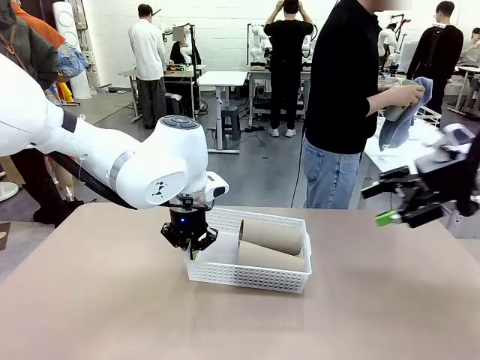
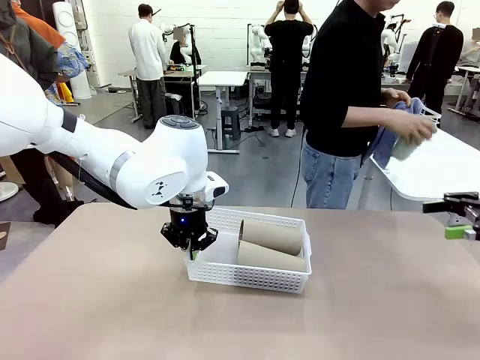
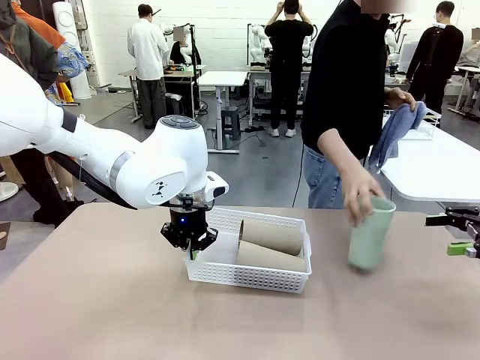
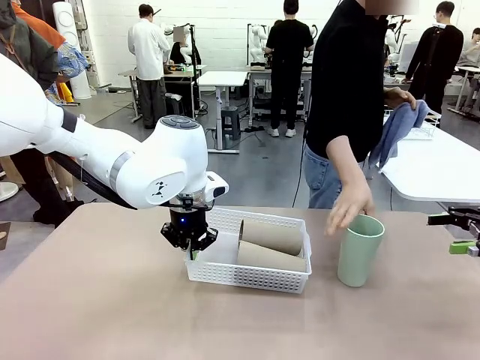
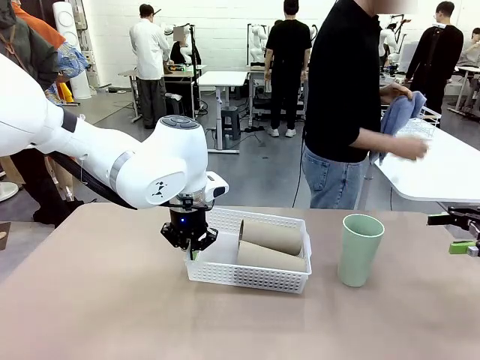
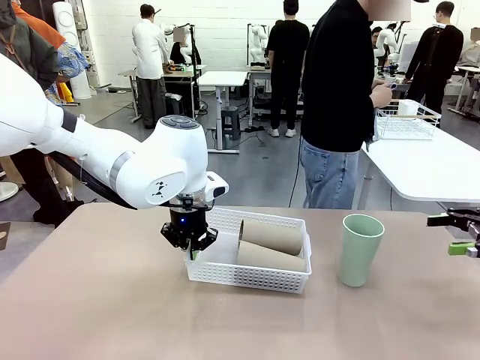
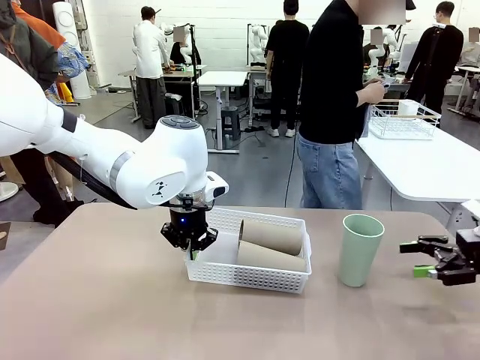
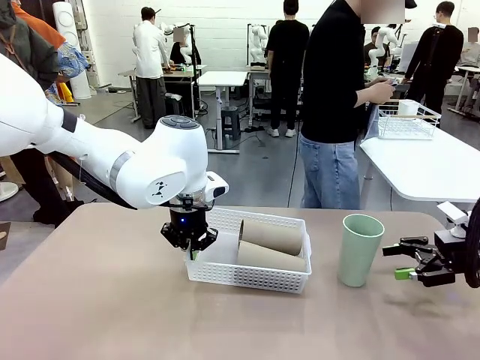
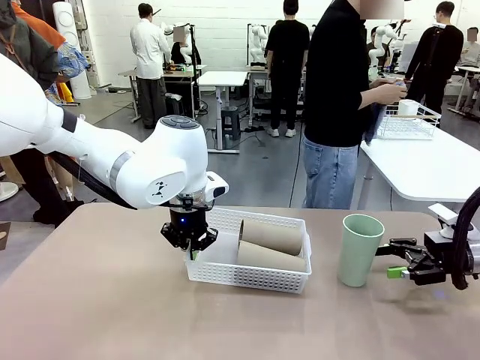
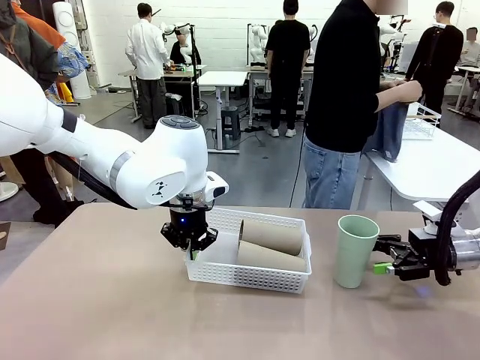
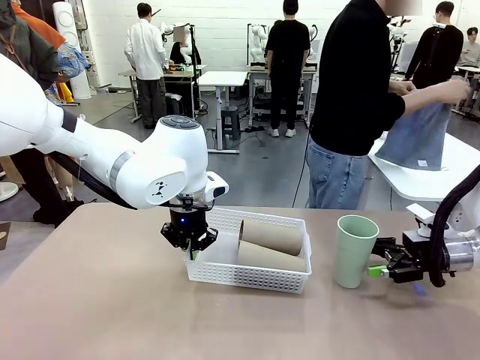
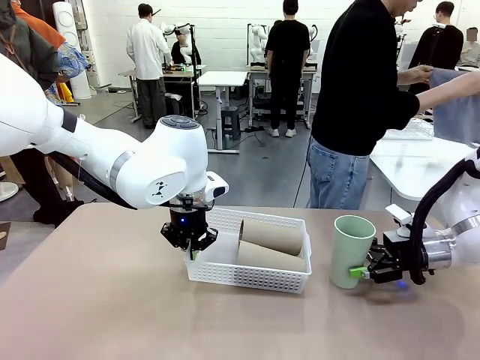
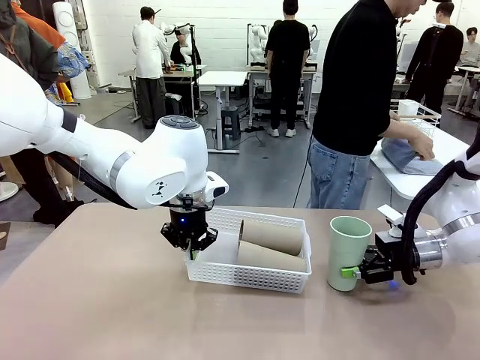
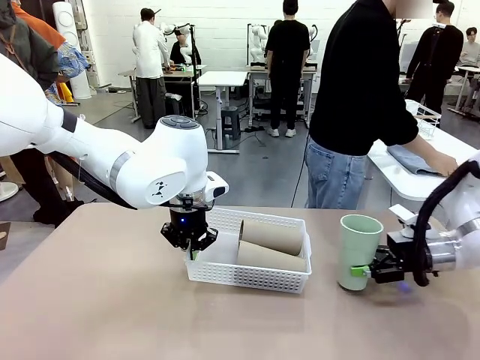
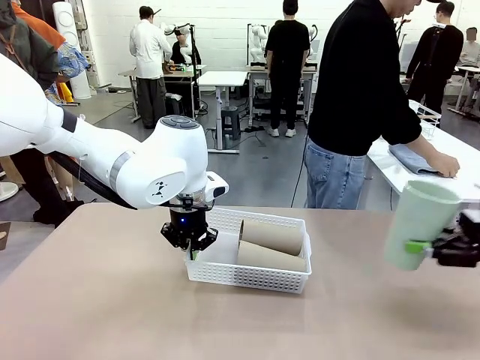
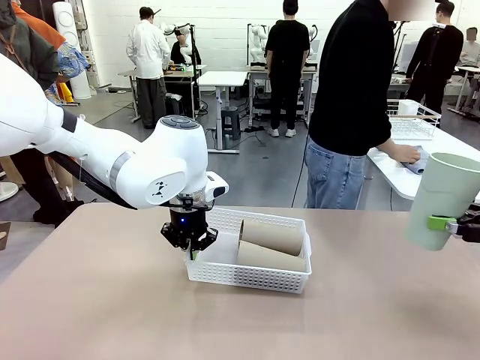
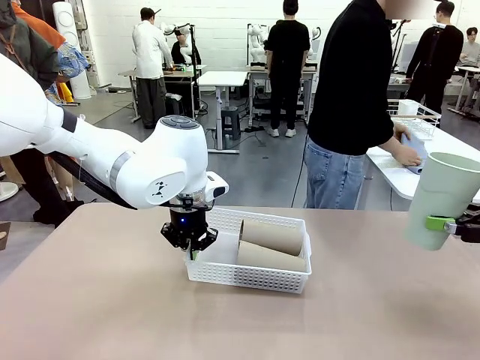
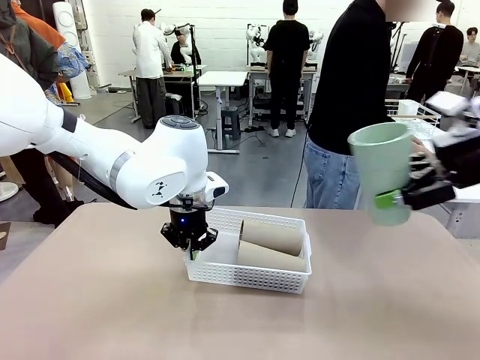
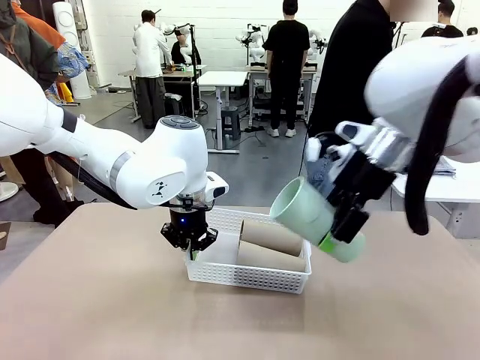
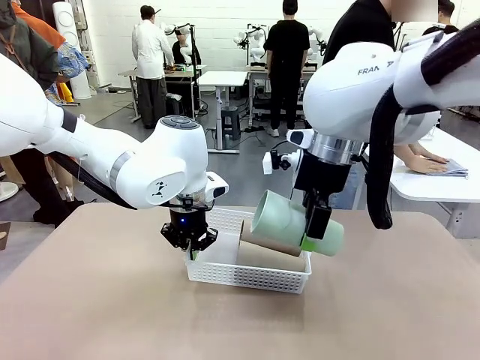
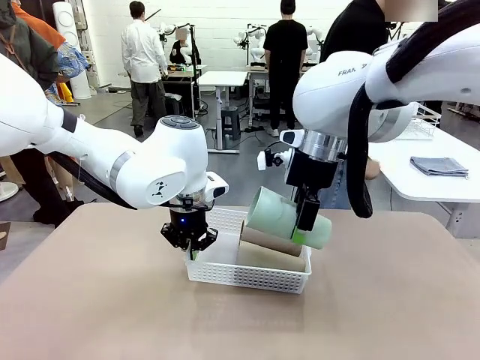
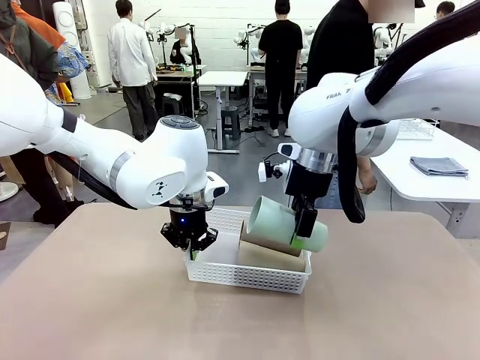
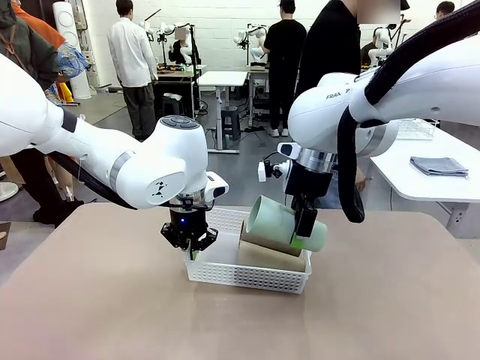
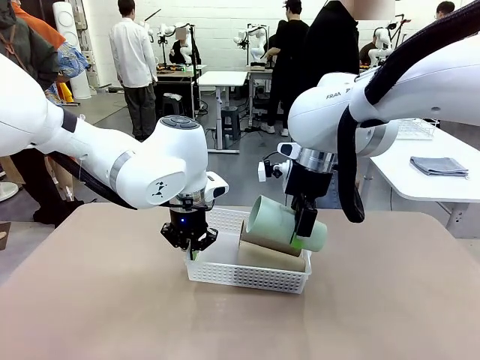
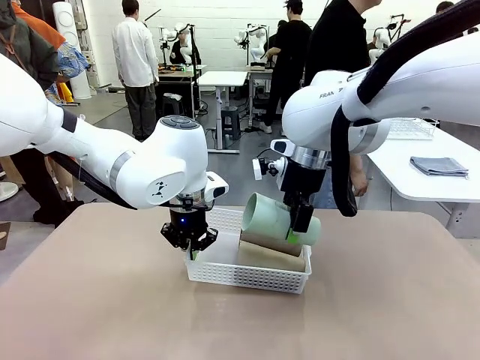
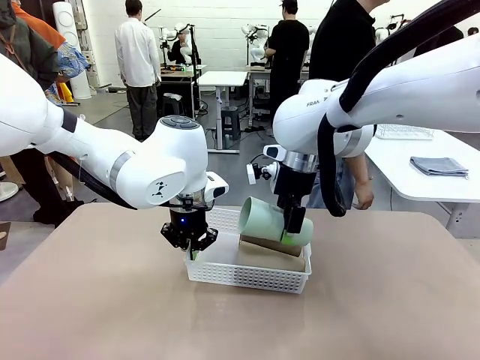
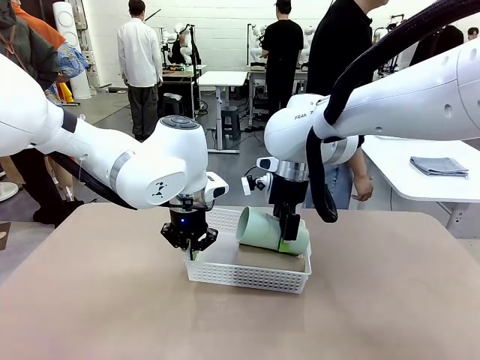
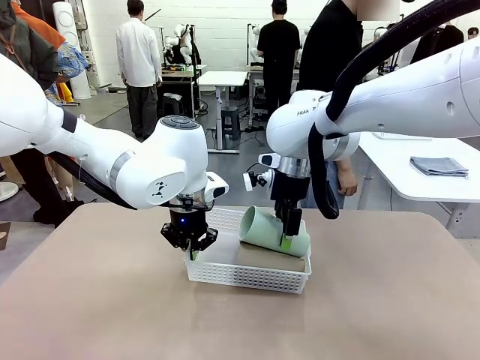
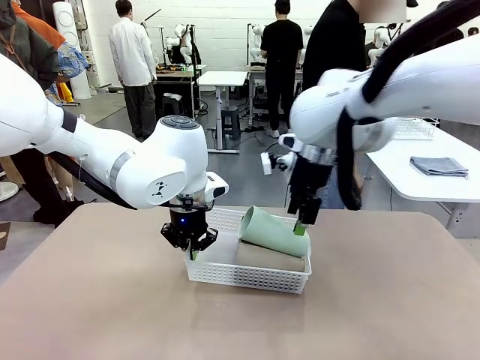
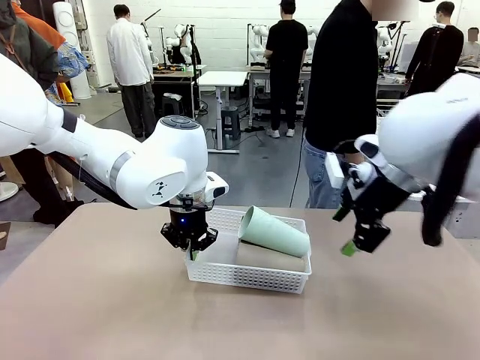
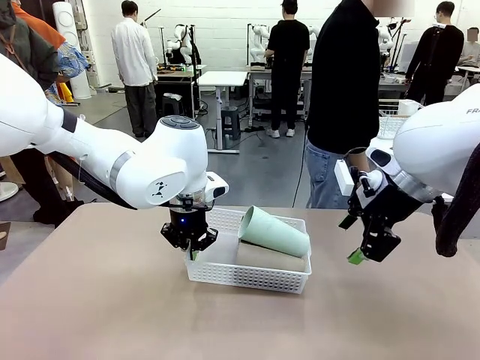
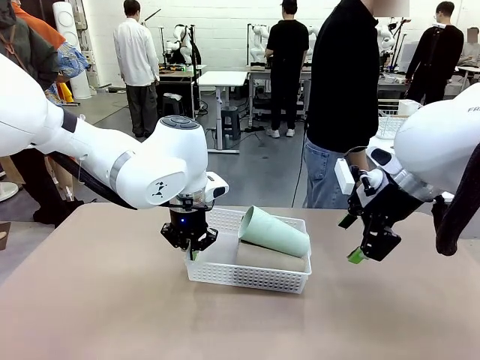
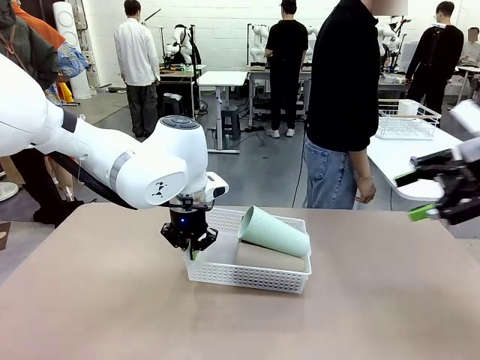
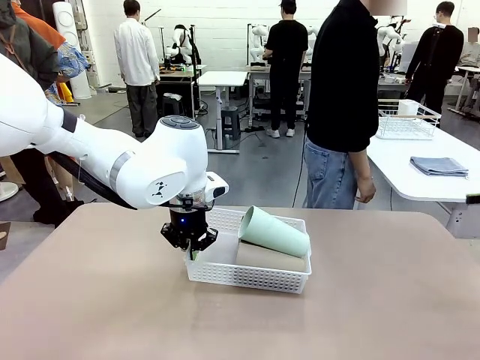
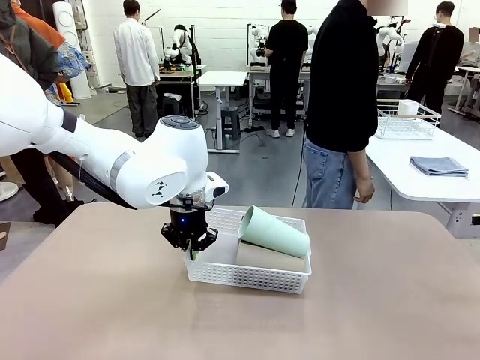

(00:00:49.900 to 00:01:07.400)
Task: Clean and organize the cups into the basket.
Robot: Pick up the Reusable plastic cup from the right side of the table and stack it inside the Organizing basket in the center of the table.
Person: Folds the towel in half twice and places it in the right of the table.

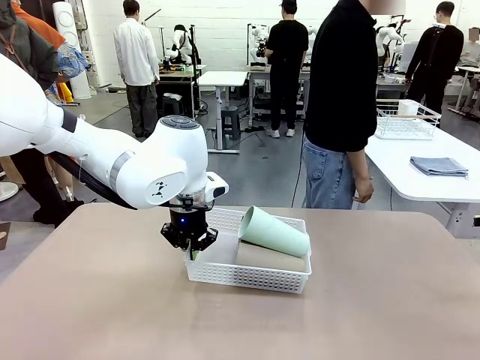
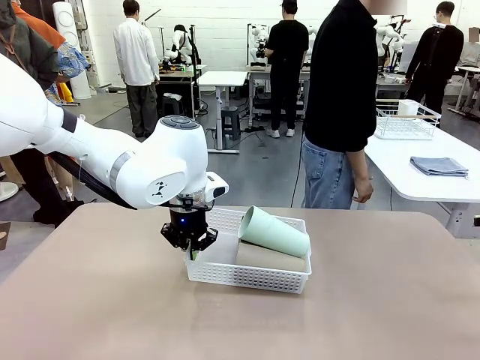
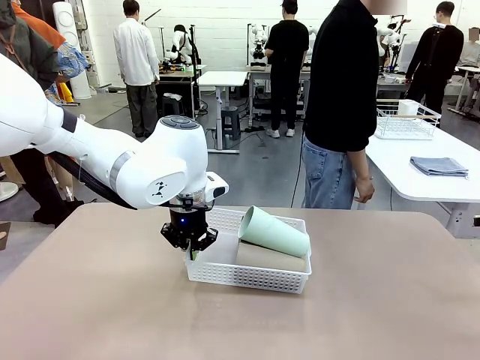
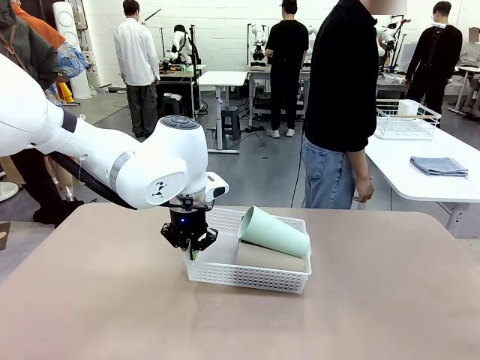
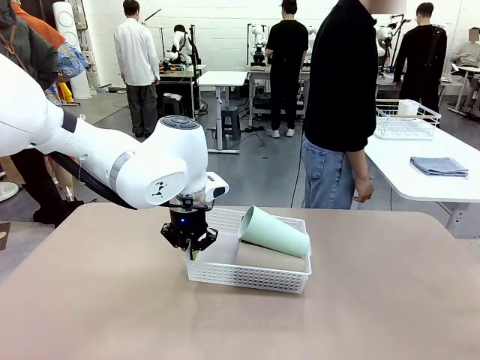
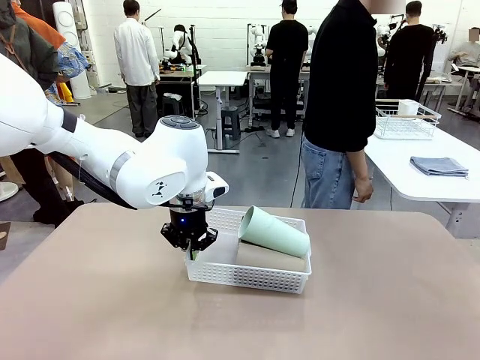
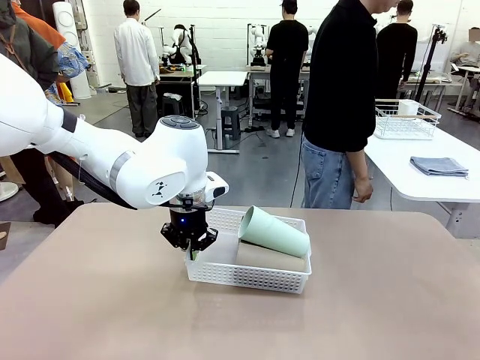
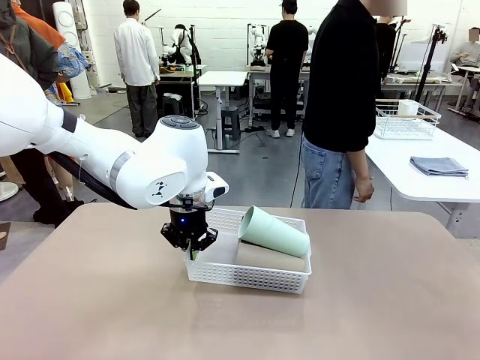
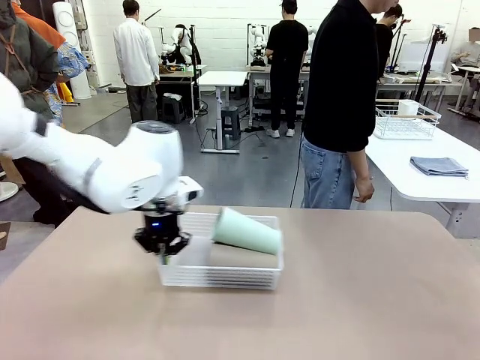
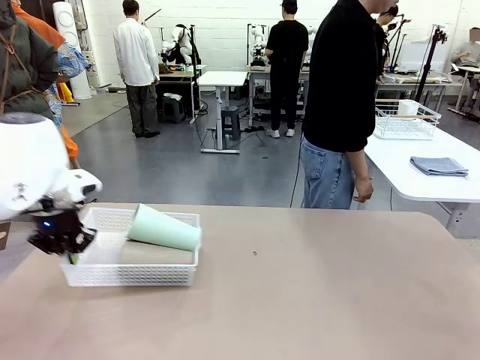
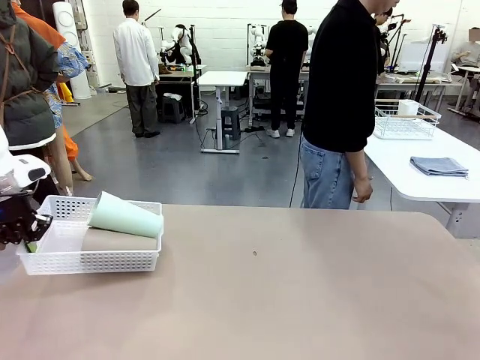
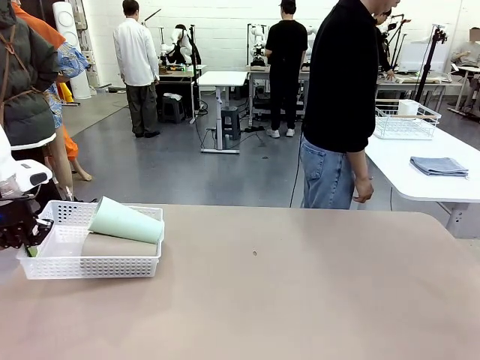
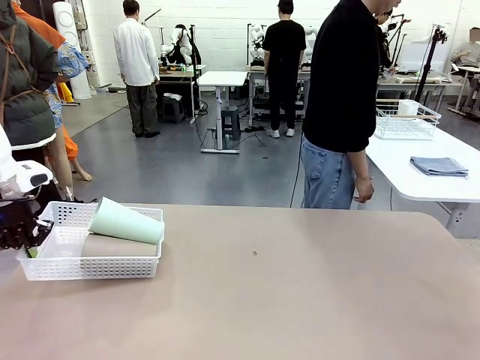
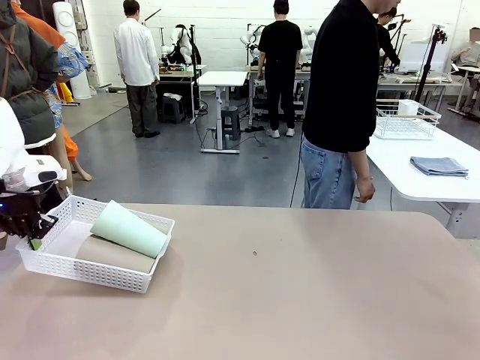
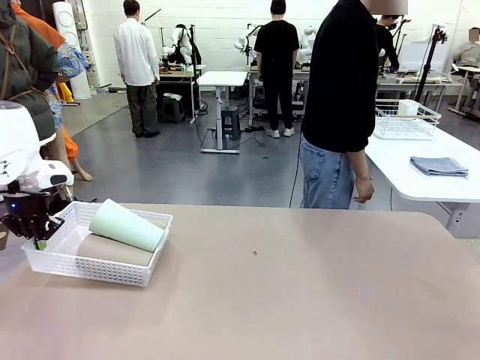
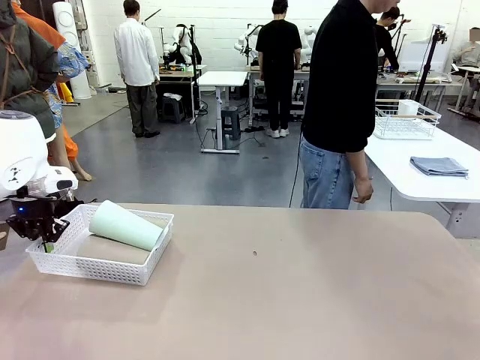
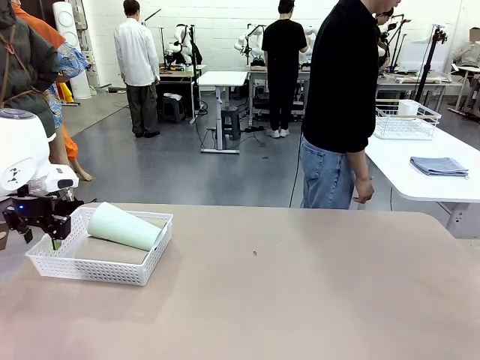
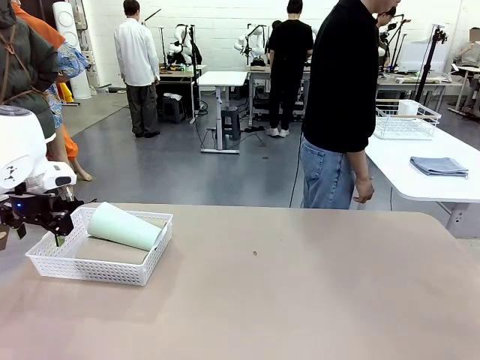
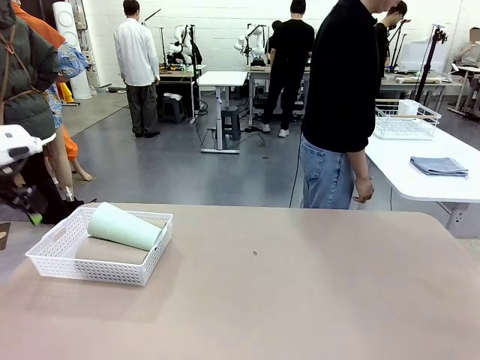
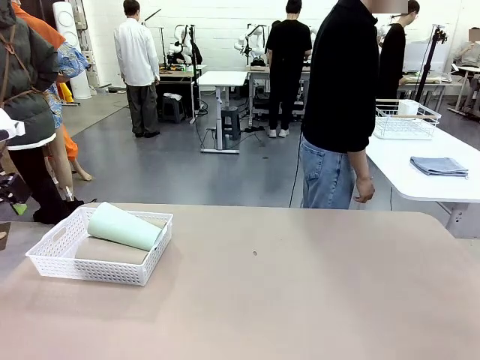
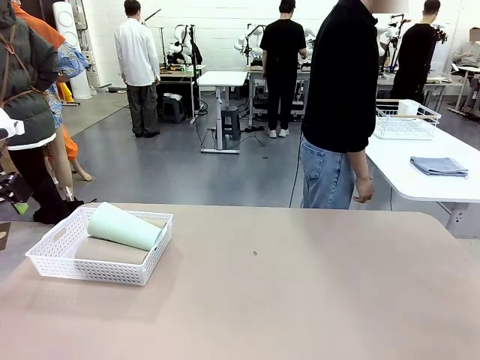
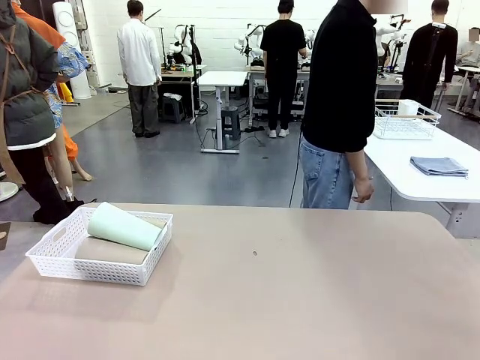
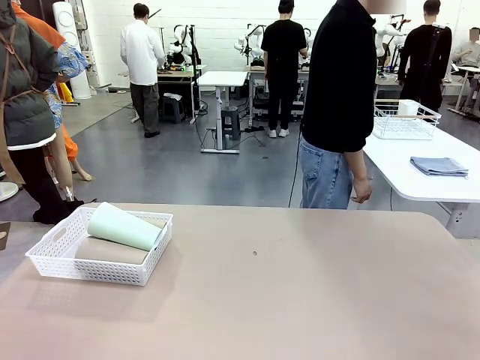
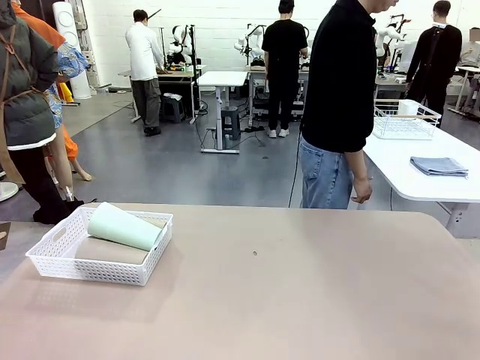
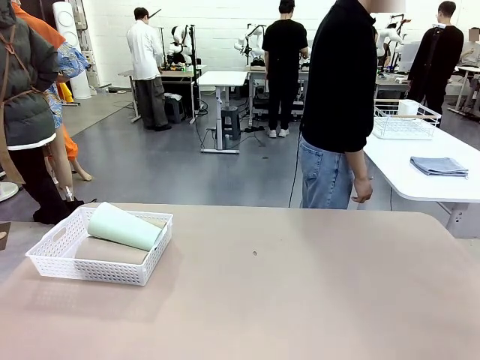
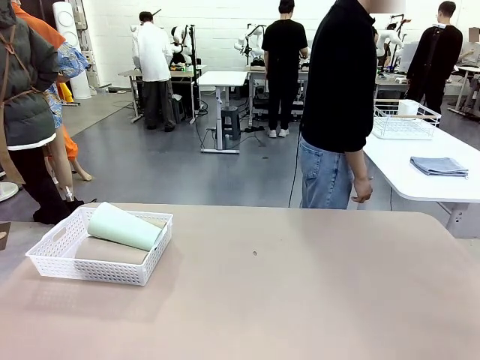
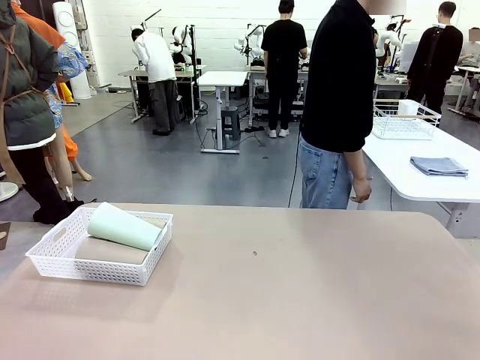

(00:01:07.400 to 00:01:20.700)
Robot: Move the Organizing basket back to the left side of the table.
